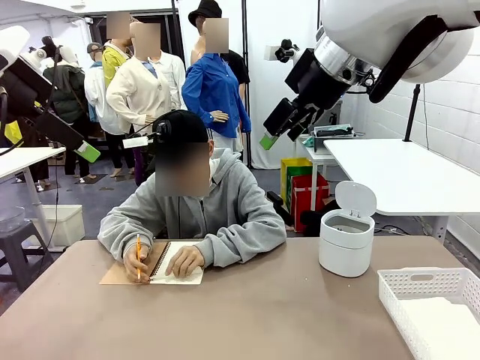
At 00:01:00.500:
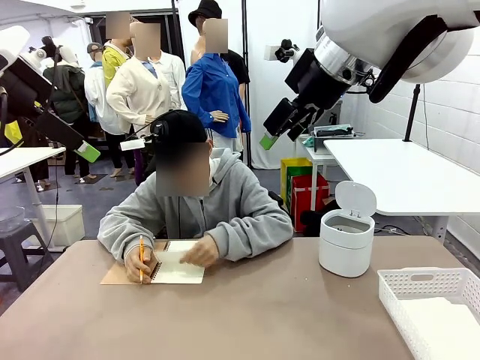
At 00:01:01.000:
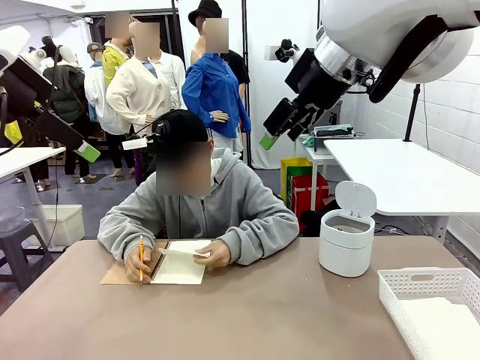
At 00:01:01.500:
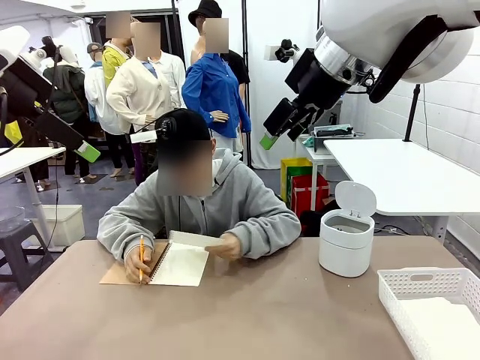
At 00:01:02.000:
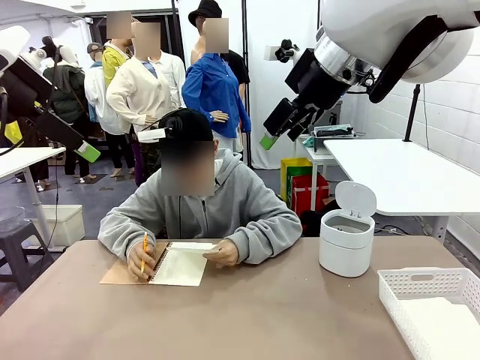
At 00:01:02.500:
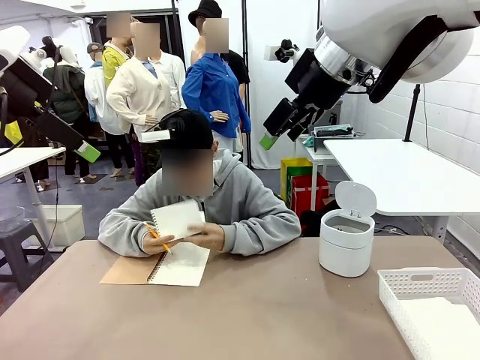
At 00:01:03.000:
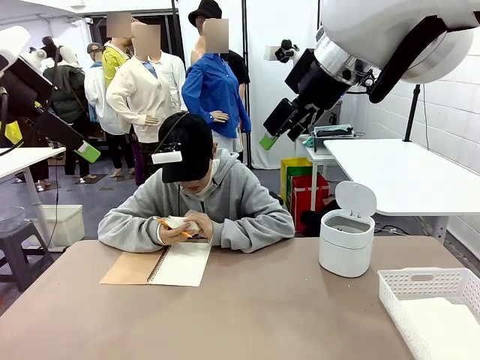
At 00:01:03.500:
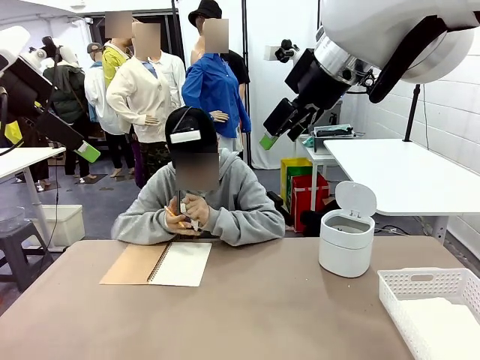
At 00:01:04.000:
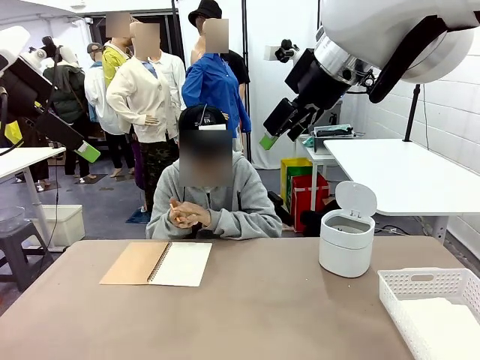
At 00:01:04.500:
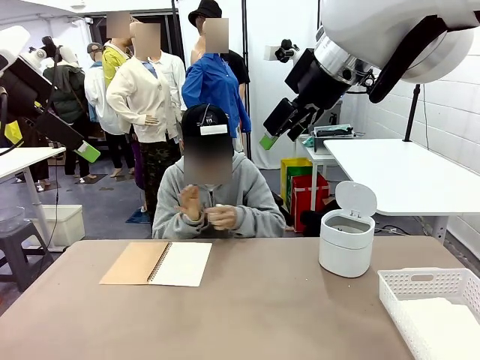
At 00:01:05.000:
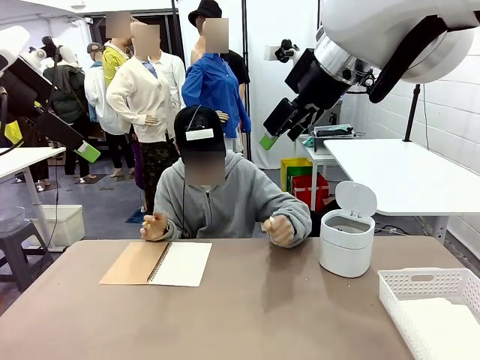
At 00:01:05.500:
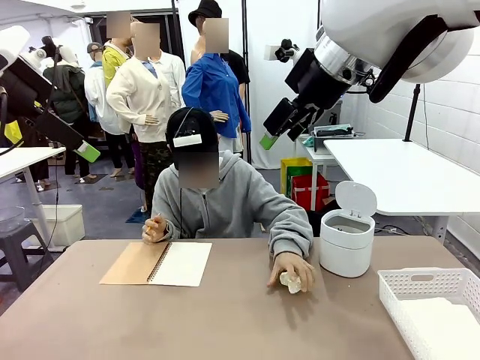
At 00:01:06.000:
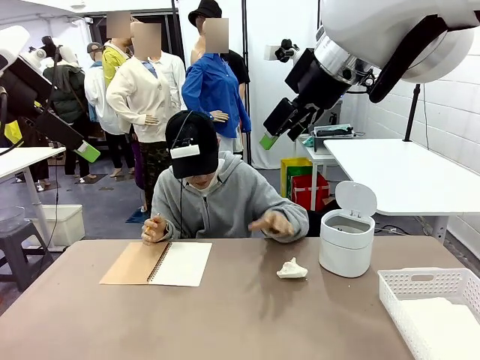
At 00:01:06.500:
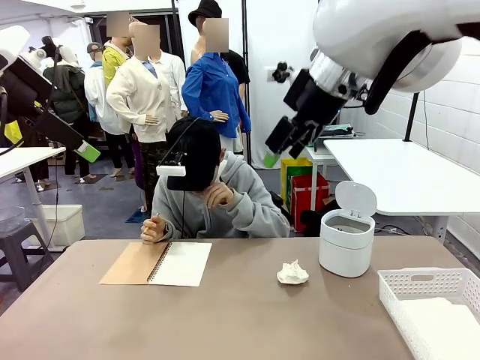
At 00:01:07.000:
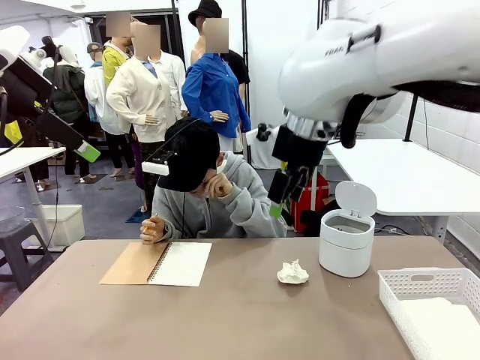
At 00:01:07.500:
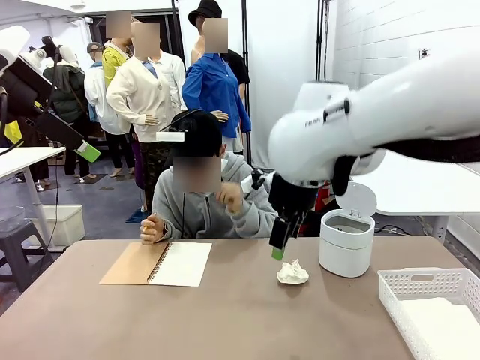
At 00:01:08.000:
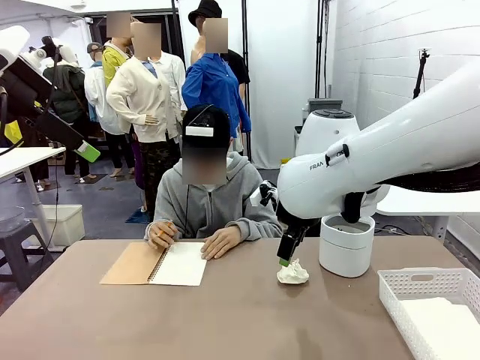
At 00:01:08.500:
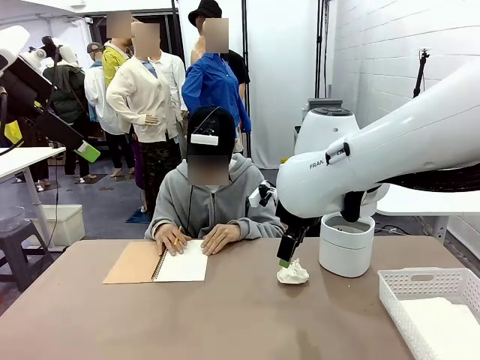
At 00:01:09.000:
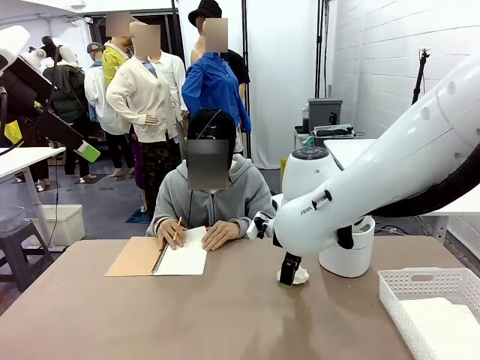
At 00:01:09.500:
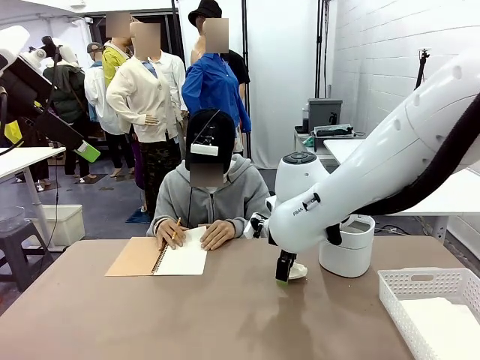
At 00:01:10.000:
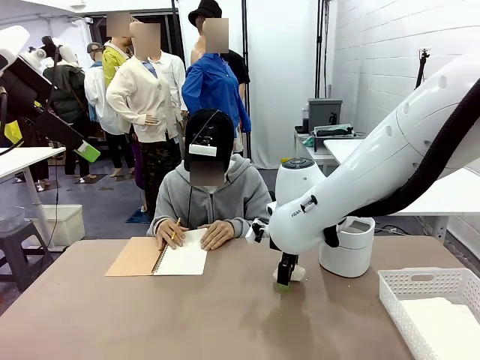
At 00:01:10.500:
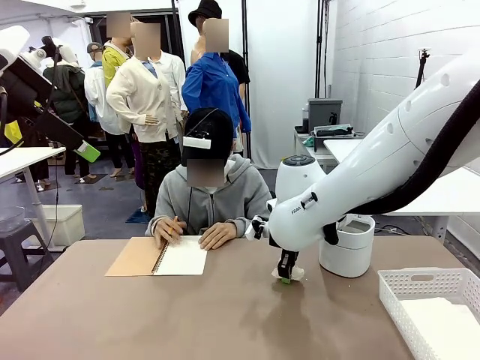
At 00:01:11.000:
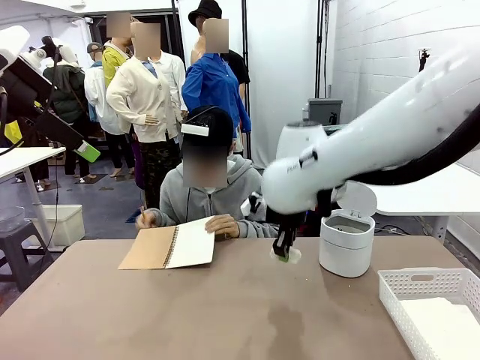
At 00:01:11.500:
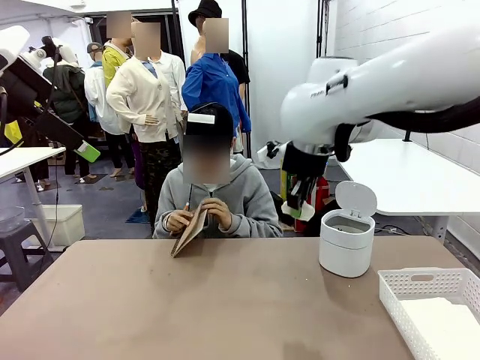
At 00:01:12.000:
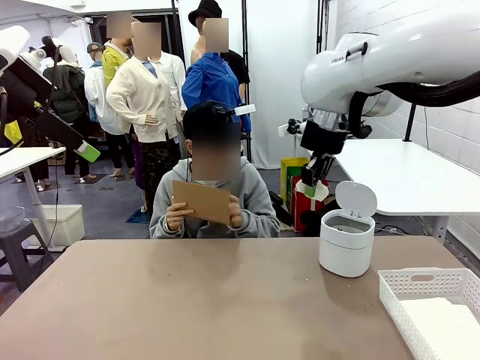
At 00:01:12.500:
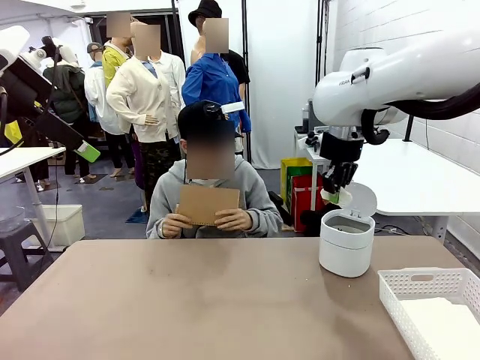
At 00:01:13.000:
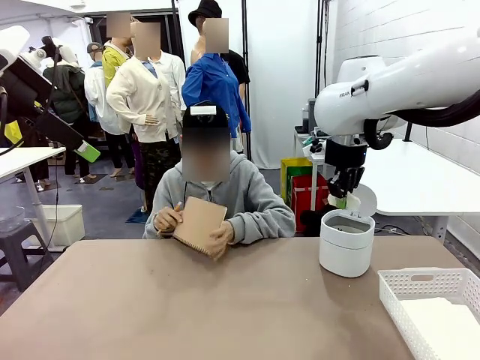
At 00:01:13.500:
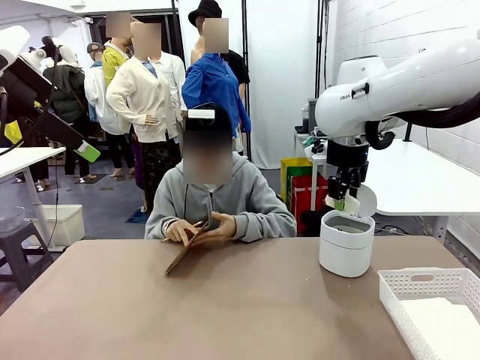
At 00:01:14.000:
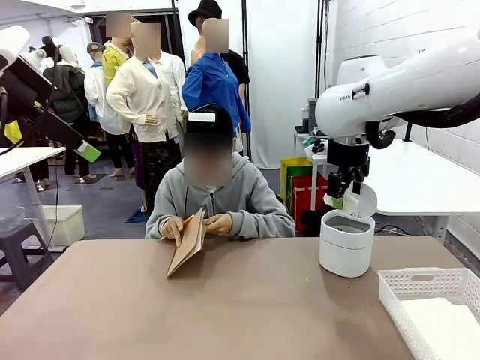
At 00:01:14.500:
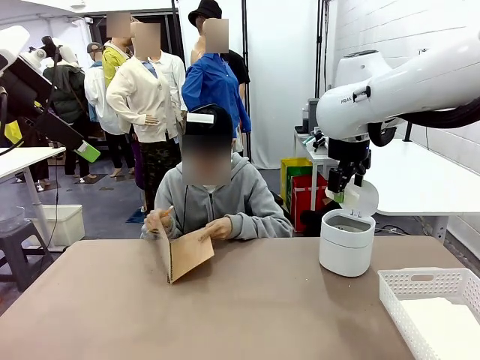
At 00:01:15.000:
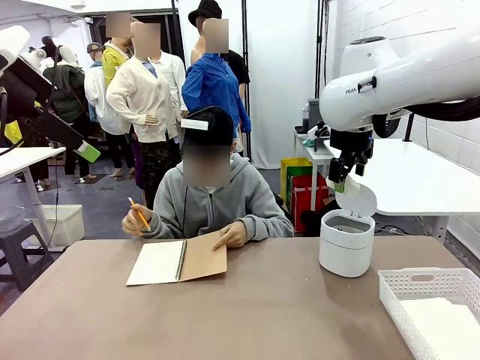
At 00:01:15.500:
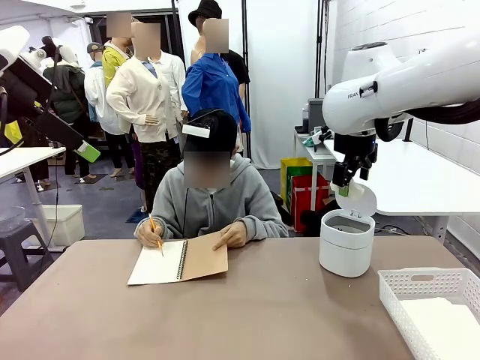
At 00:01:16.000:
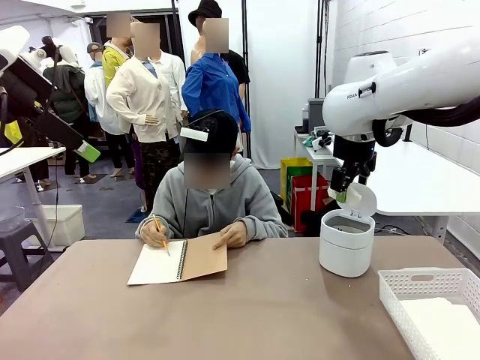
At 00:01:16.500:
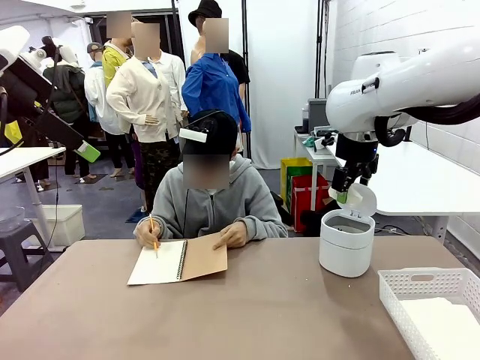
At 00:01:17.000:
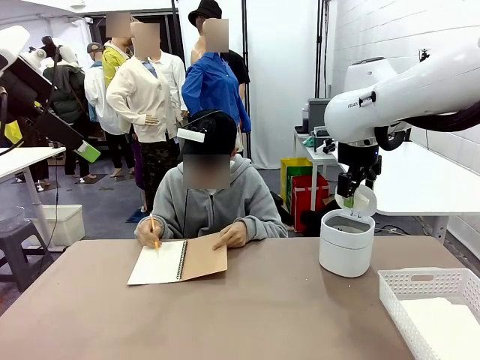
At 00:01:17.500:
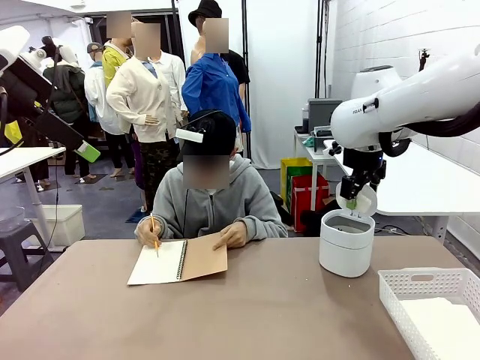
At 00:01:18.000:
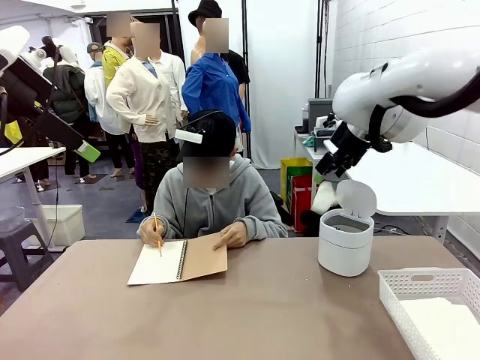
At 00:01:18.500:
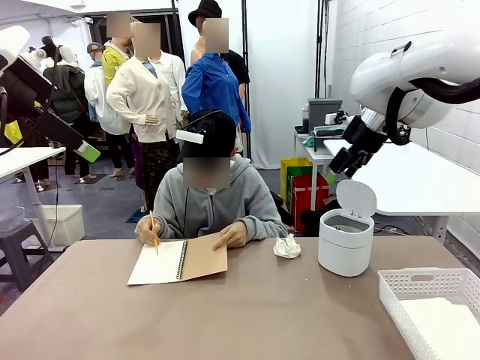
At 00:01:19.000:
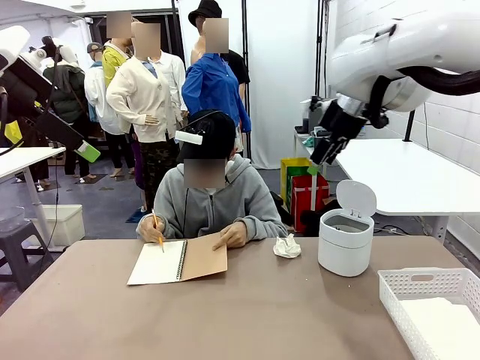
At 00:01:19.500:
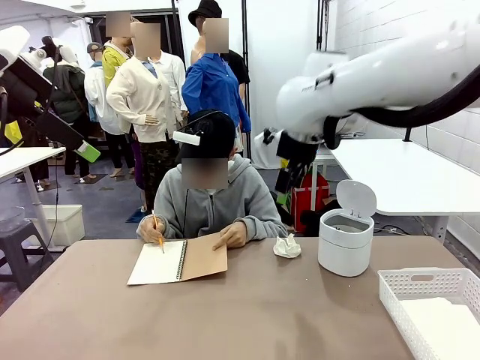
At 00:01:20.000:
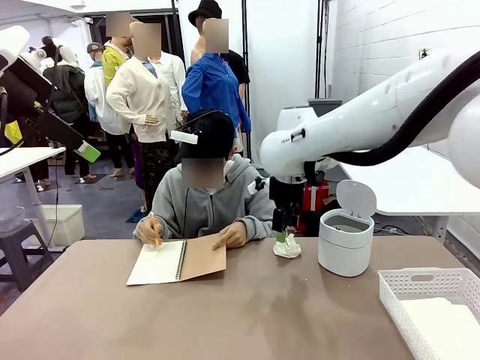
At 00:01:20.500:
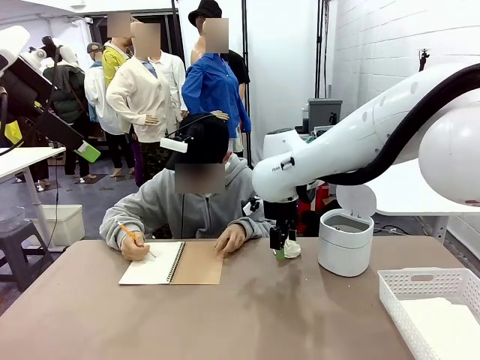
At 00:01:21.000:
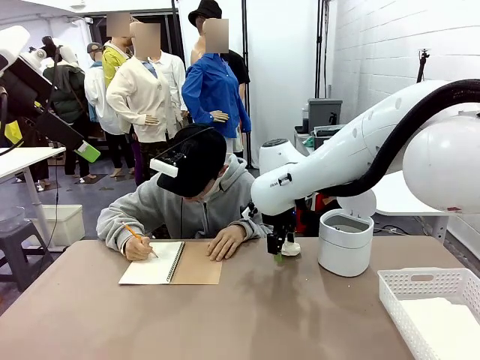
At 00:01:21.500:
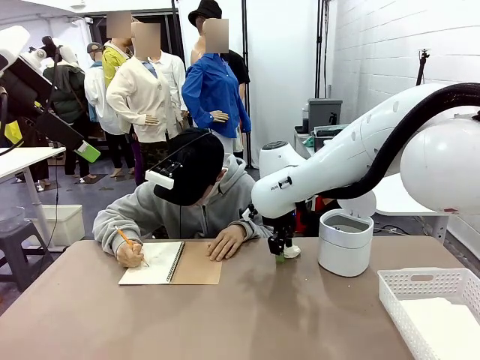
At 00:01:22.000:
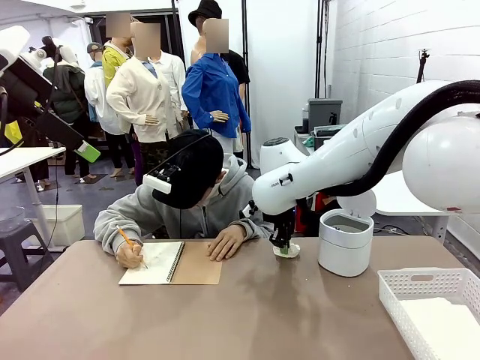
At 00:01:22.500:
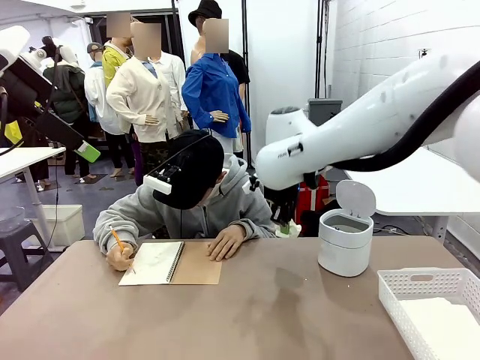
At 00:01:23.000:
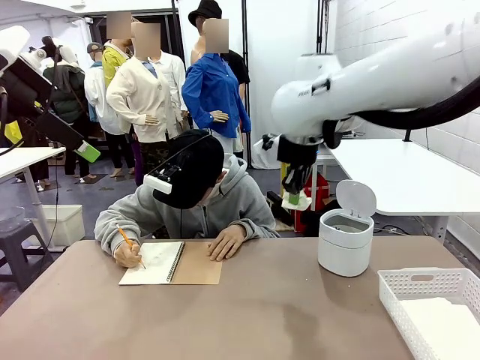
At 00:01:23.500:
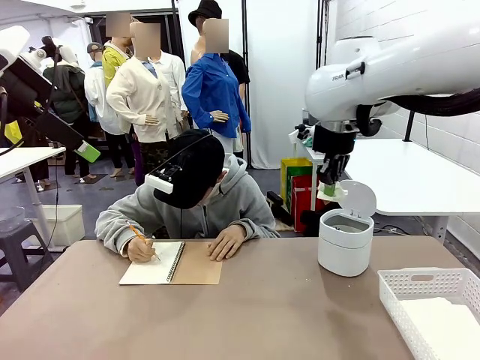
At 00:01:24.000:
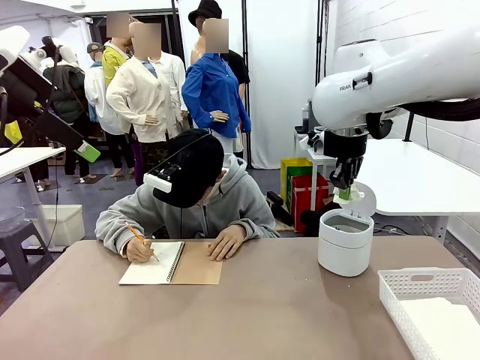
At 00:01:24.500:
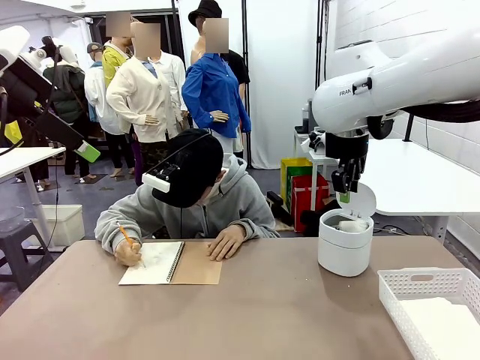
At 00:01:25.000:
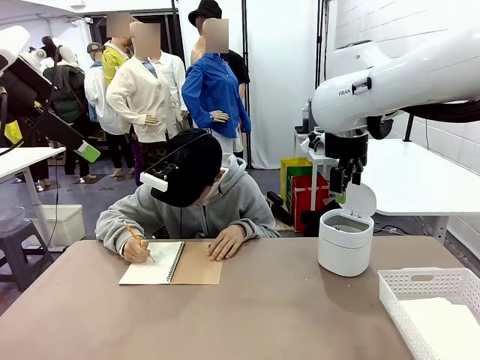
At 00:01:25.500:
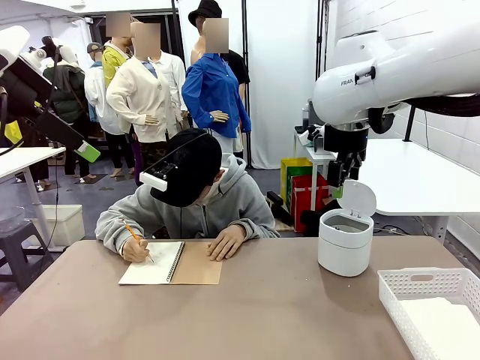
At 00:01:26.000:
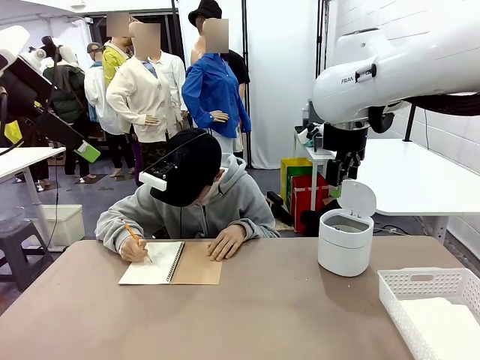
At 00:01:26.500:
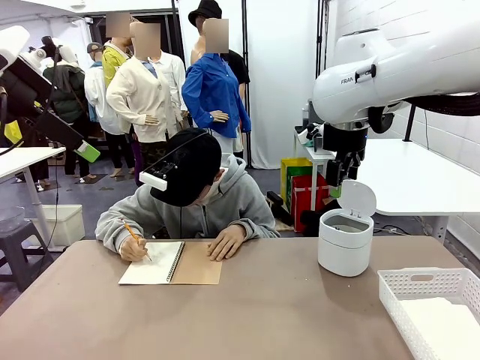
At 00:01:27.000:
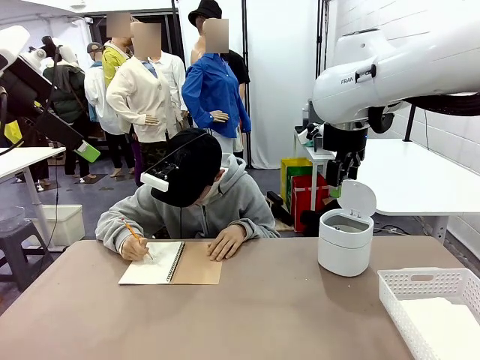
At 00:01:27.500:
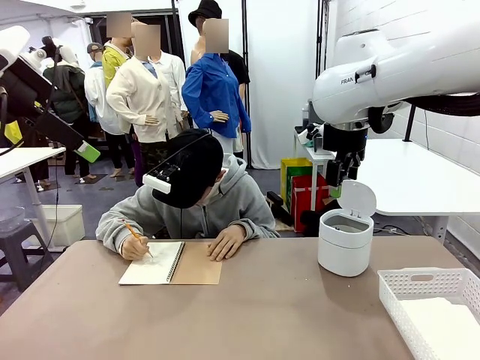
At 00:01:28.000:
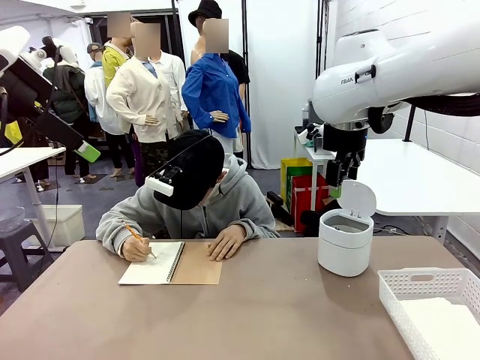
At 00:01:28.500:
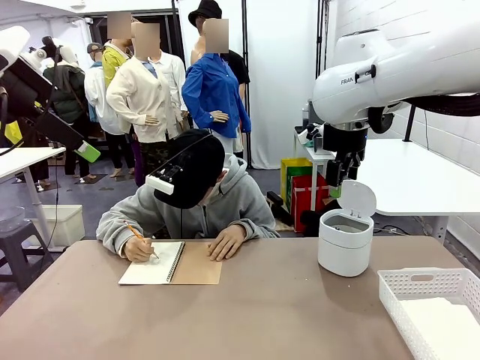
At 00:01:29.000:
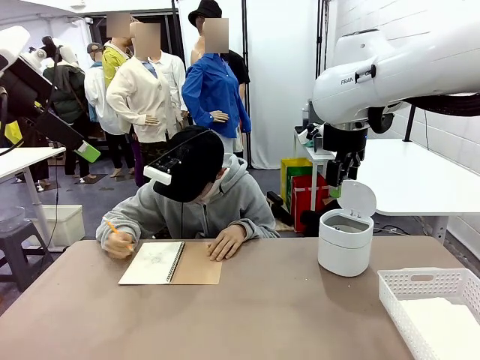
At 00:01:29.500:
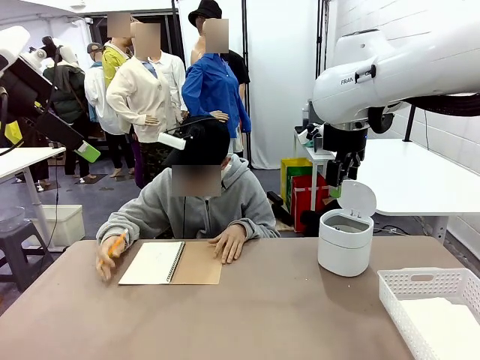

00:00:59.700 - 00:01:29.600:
Task: Sort the paper based on its condition.
Robot: If a person hands you a paper, place it in the Organizing basket , and if it's crumpled, put it in the Trash can.
Person: Hand the torn page to the robot or crumple it and throw it to the center of the table.
